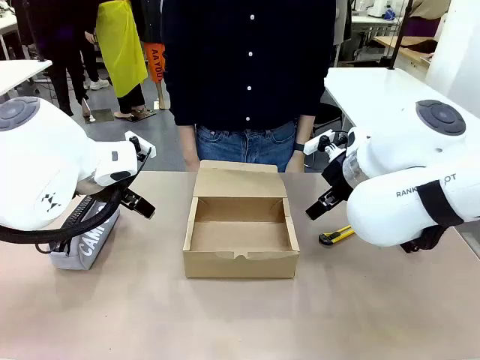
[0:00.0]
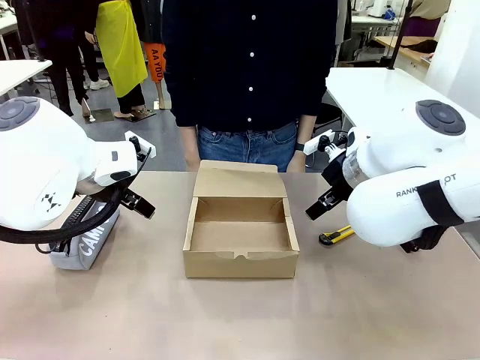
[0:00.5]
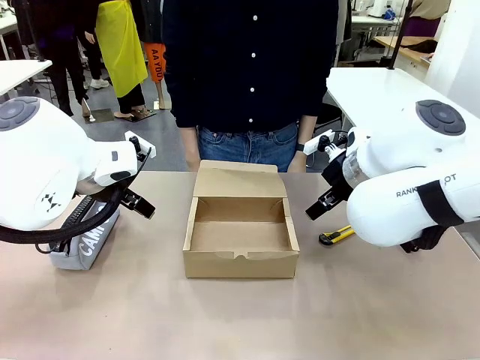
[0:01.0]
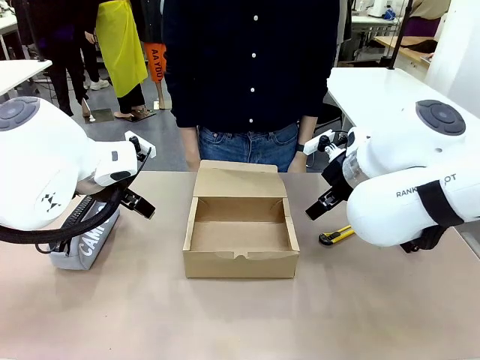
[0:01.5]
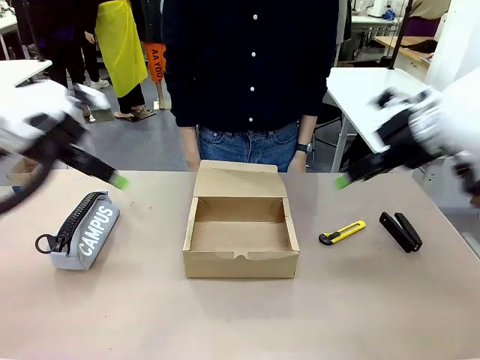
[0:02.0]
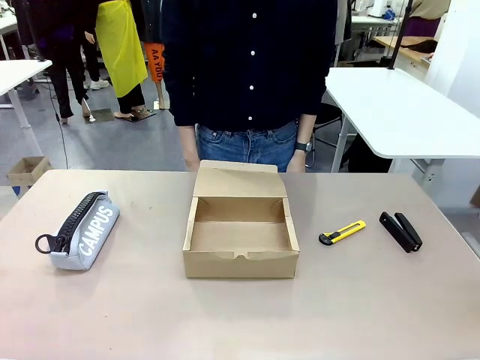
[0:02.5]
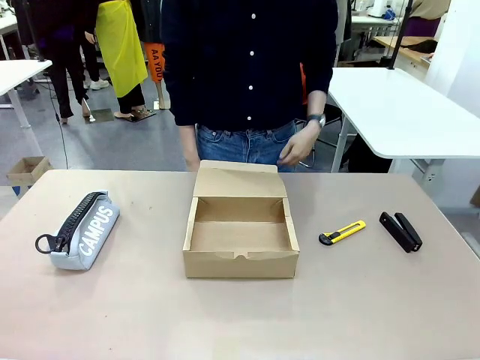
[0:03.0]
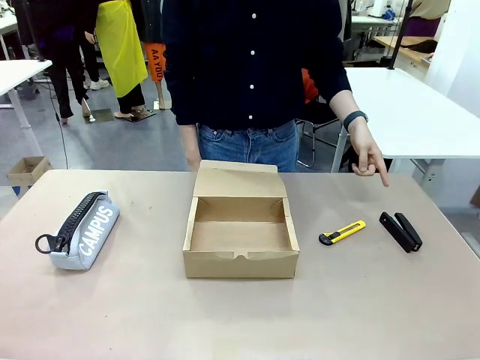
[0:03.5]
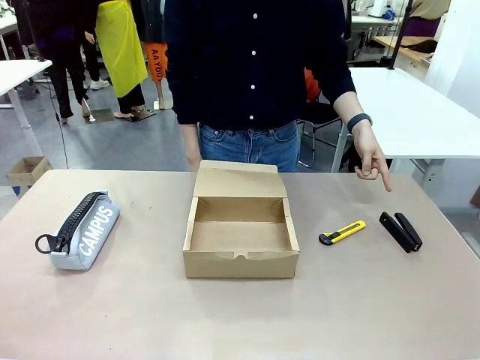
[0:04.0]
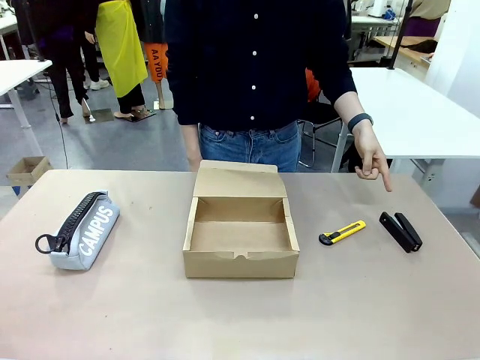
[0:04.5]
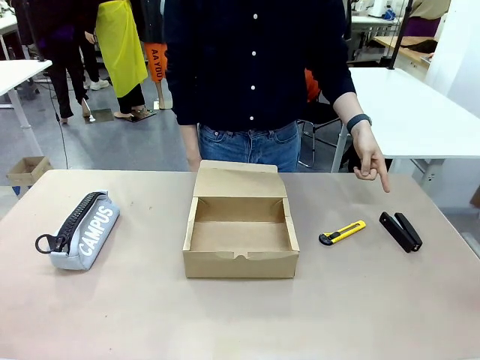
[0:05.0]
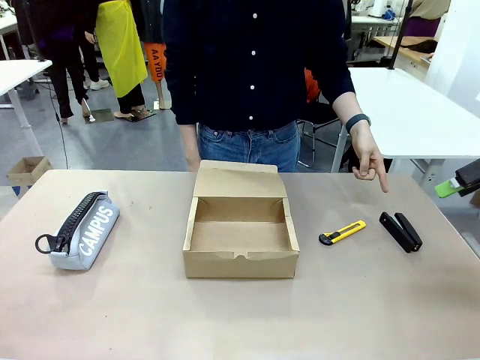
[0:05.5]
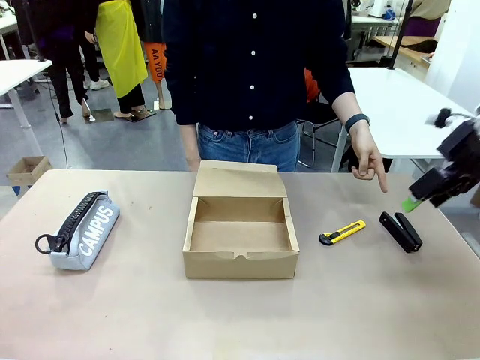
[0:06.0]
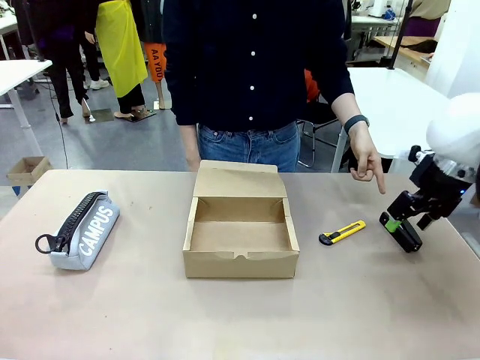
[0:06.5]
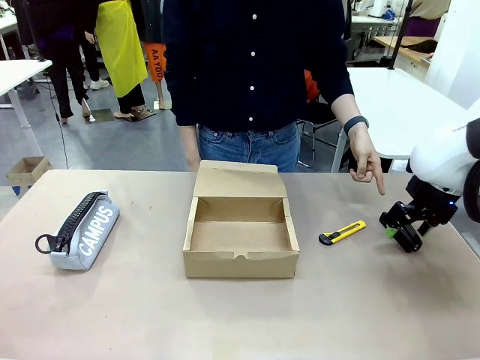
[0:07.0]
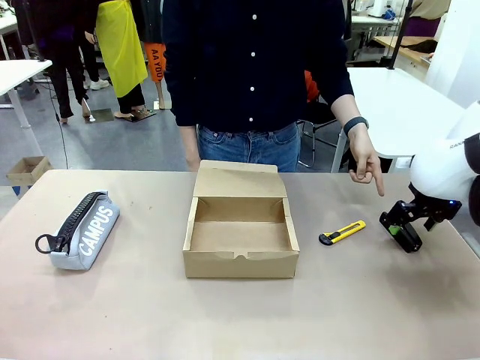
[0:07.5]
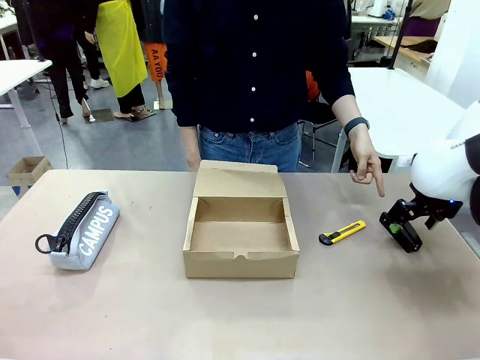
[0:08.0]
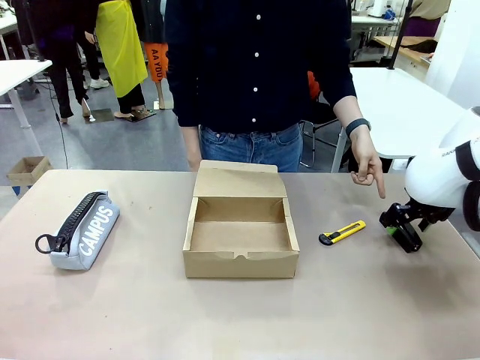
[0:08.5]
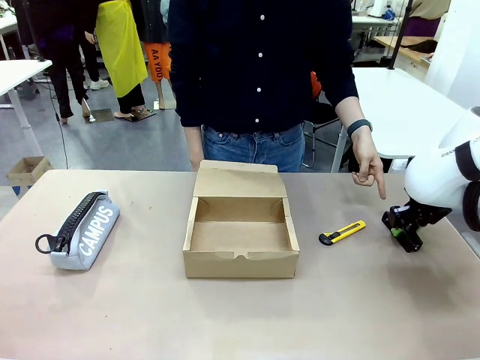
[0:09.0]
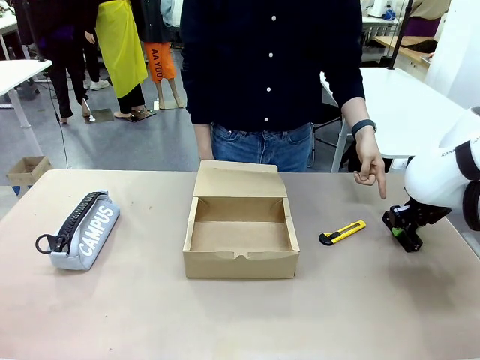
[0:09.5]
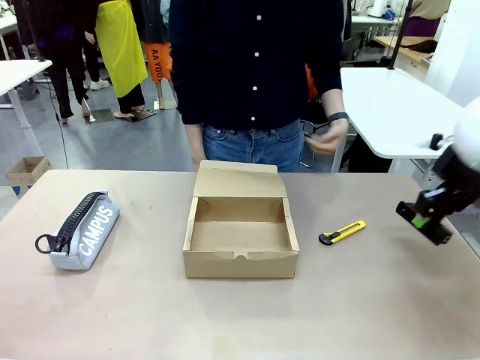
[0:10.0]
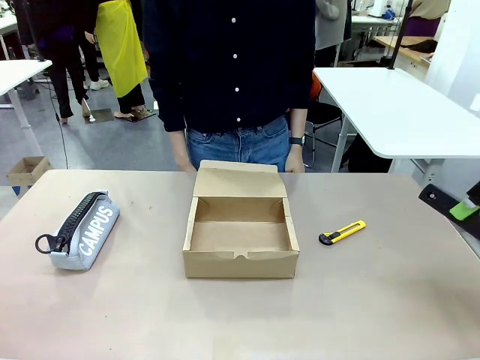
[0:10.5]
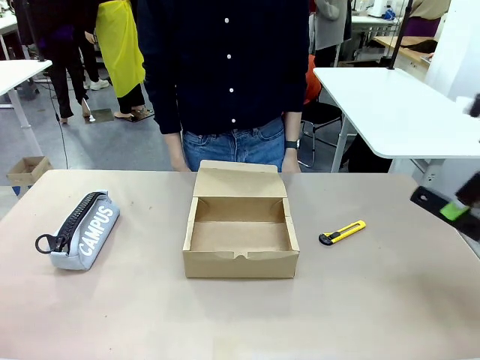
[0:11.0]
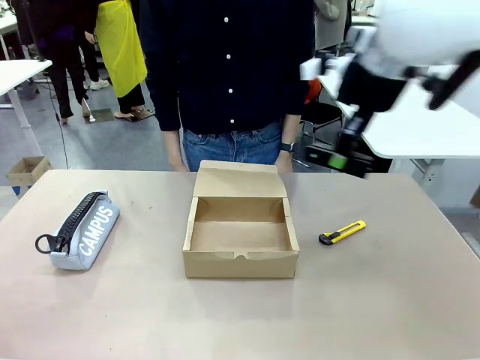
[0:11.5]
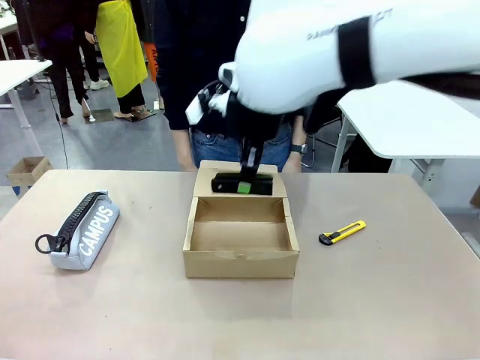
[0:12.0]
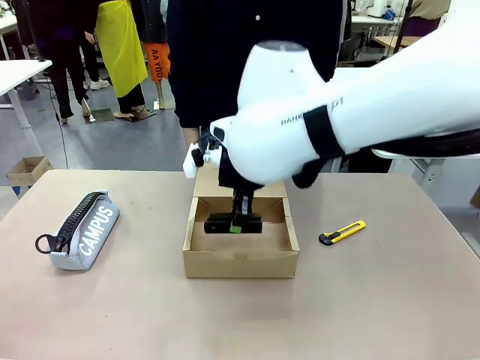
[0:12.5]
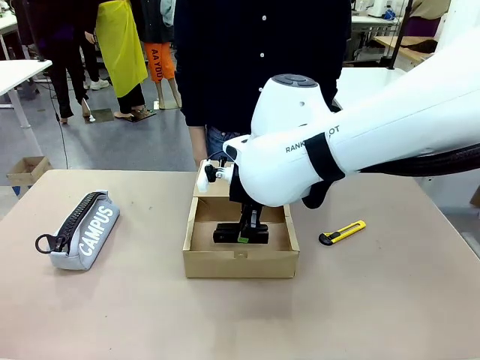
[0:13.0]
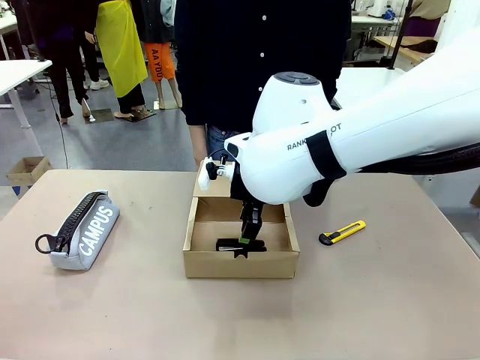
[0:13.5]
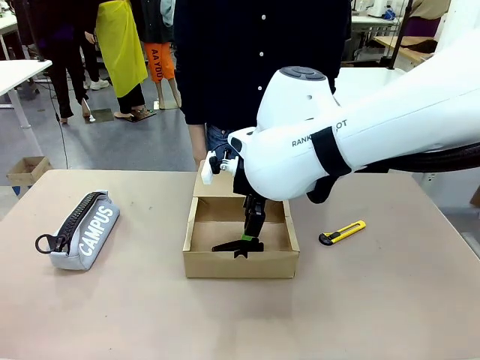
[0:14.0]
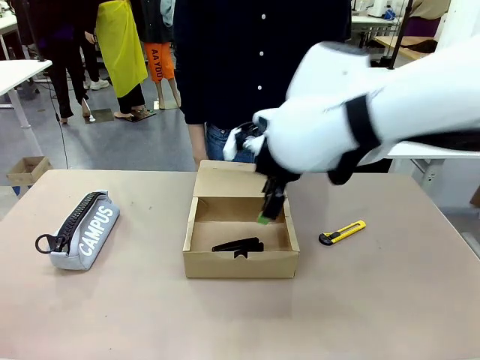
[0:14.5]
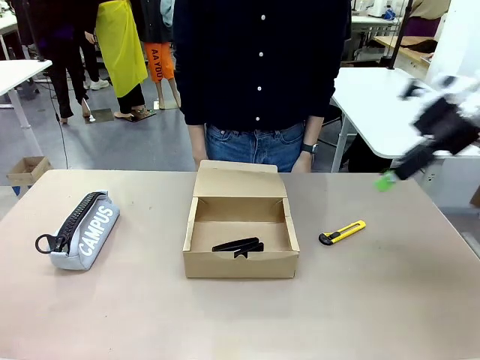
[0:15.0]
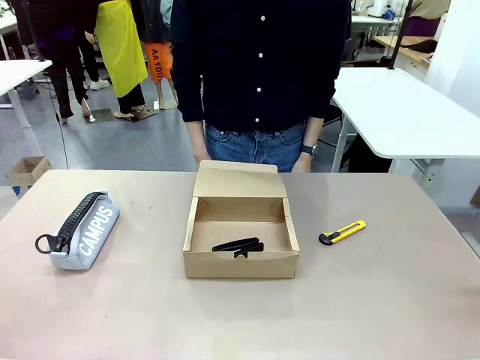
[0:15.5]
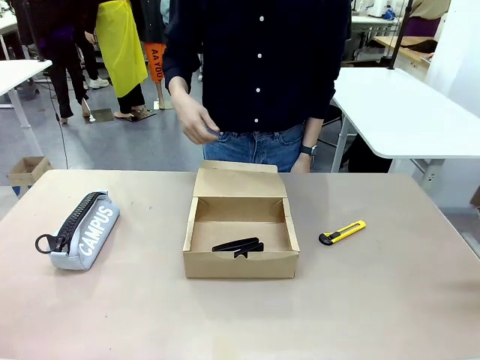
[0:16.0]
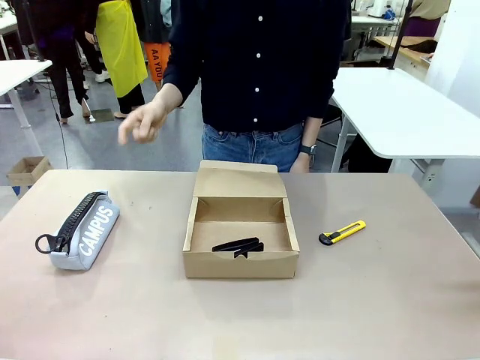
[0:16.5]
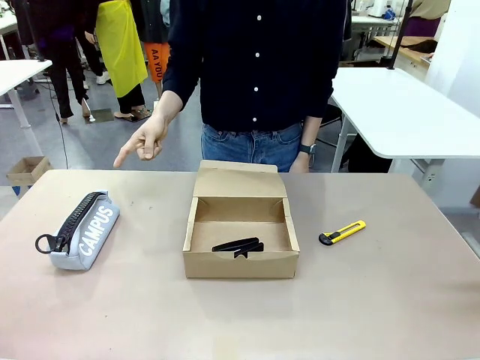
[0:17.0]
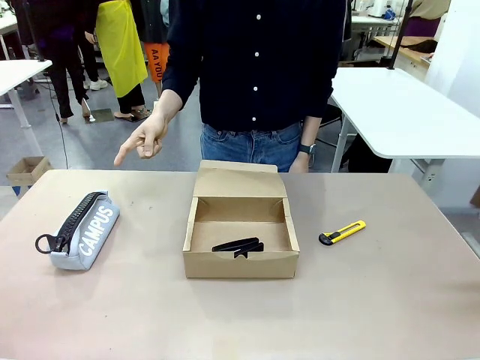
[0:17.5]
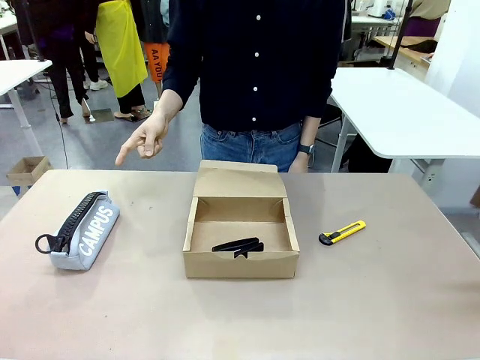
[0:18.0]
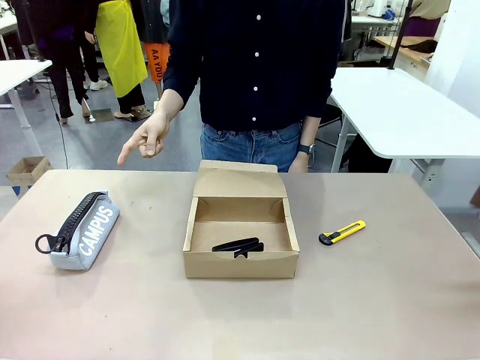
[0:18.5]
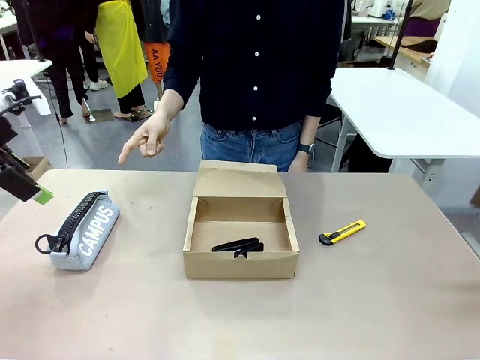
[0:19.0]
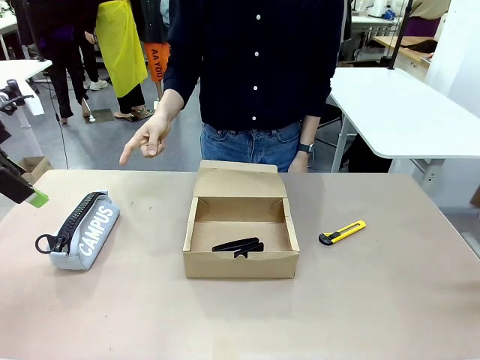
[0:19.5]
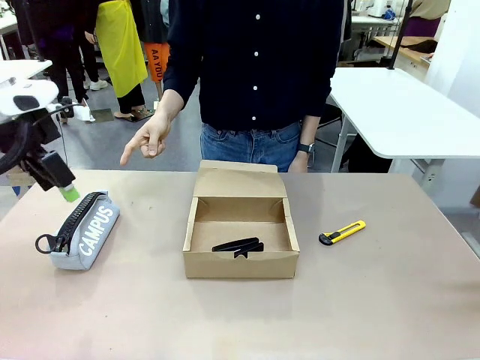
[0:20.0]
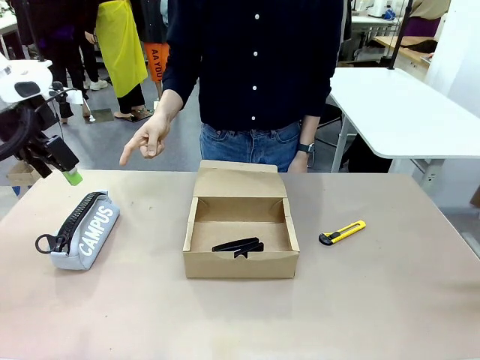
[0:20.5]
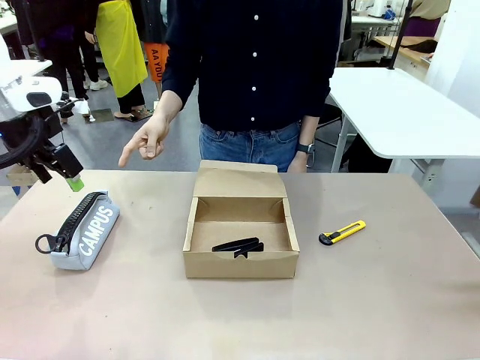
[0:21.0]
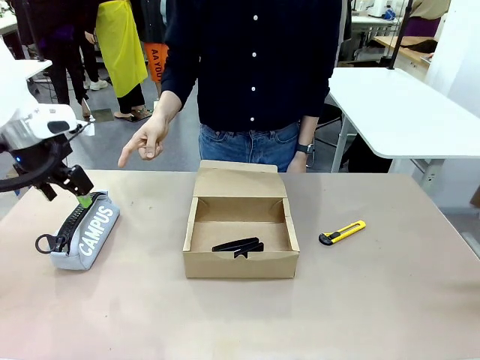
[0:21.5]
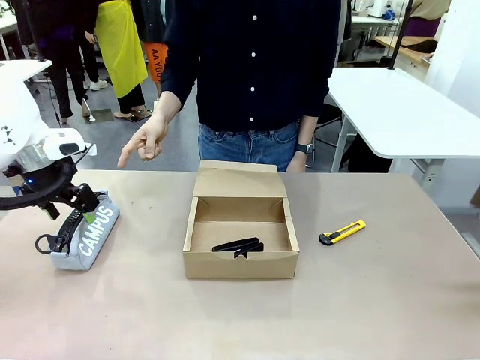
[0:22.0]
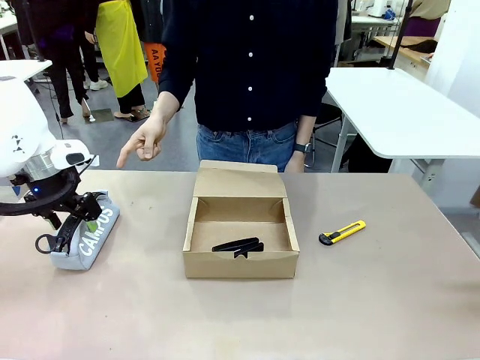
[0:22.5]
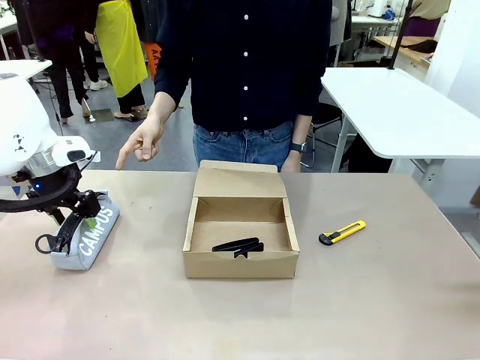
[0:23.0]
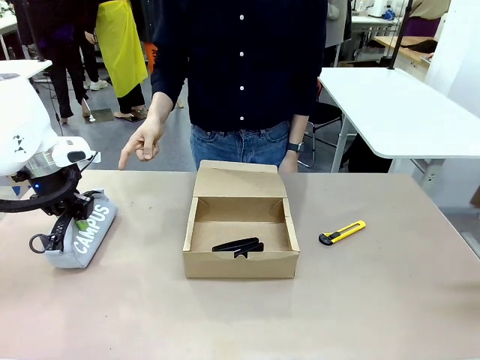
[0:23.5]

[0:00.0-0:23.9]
Task: Pack the items into the box.
Robot: Pick up the item indicated by the person and place it inside the Mailer Box.
Person: Point at one item on the table (excluding the box).
